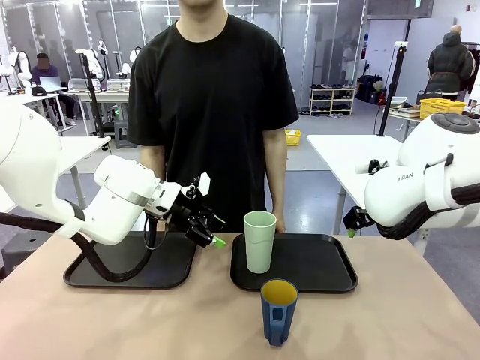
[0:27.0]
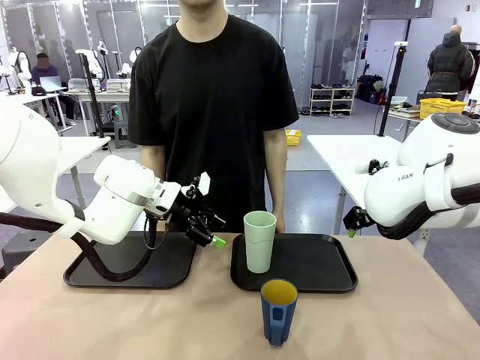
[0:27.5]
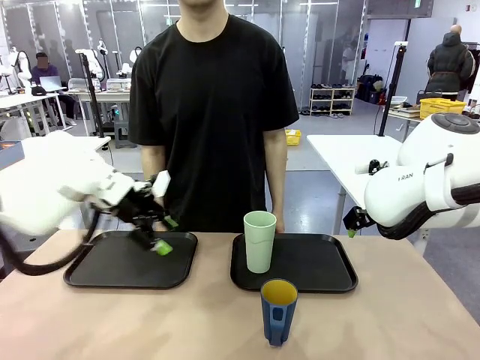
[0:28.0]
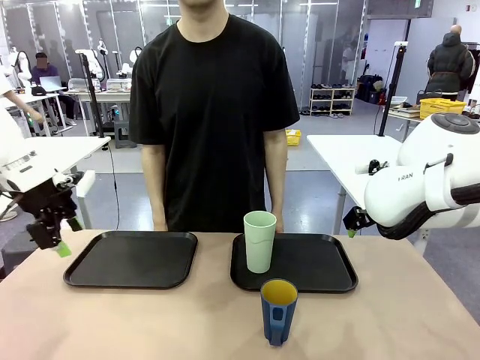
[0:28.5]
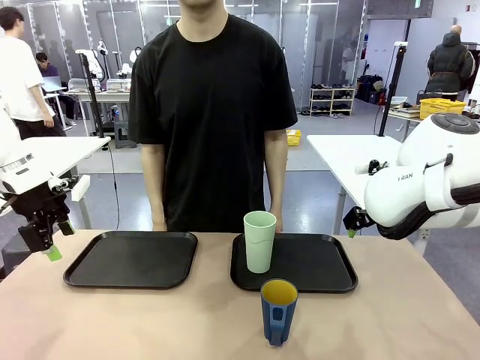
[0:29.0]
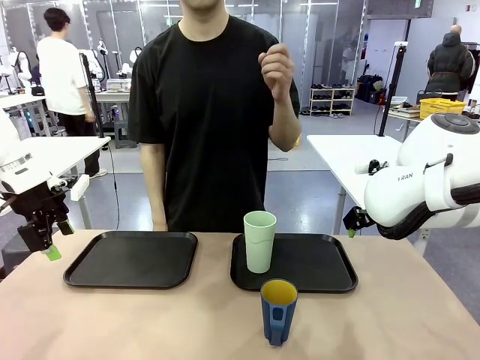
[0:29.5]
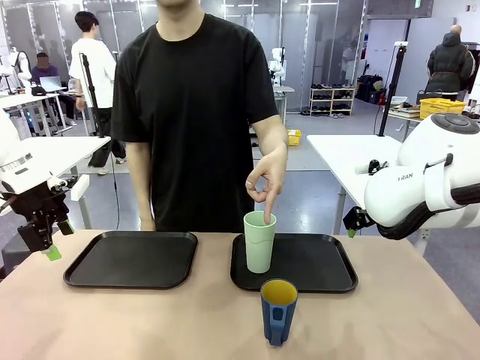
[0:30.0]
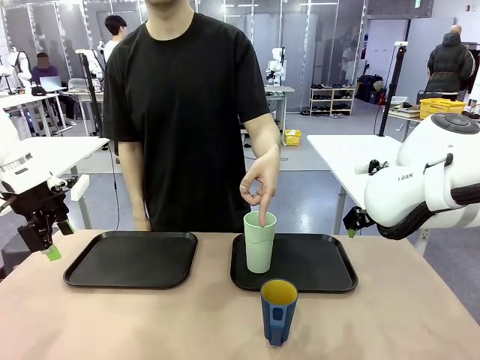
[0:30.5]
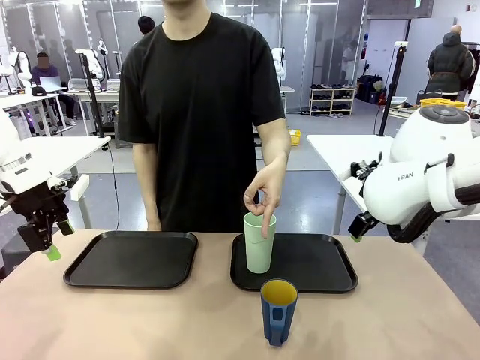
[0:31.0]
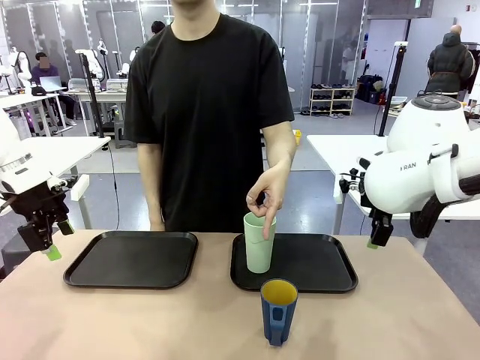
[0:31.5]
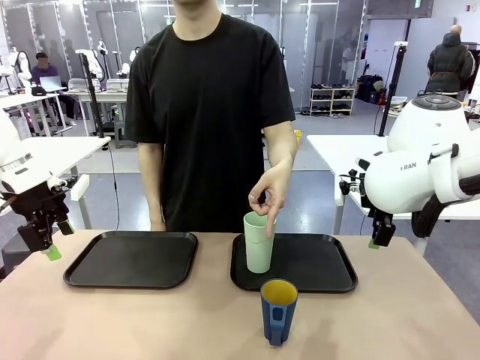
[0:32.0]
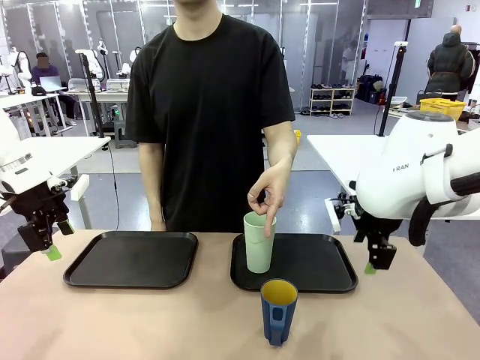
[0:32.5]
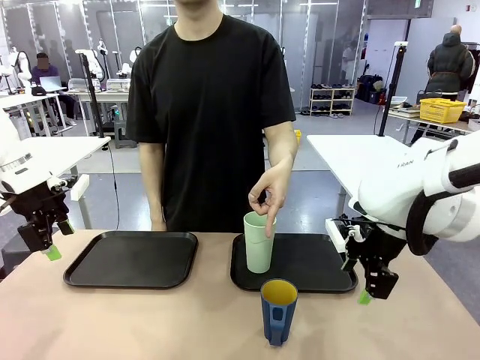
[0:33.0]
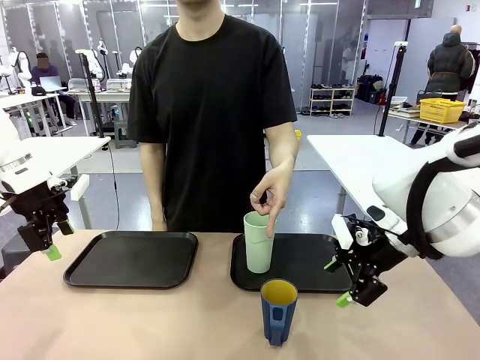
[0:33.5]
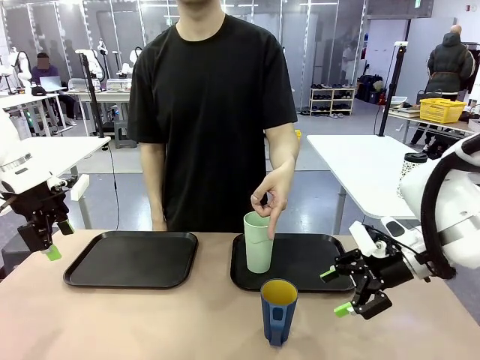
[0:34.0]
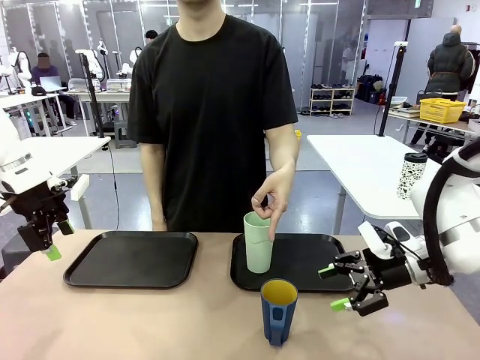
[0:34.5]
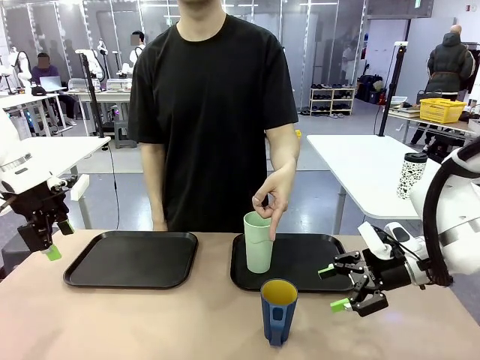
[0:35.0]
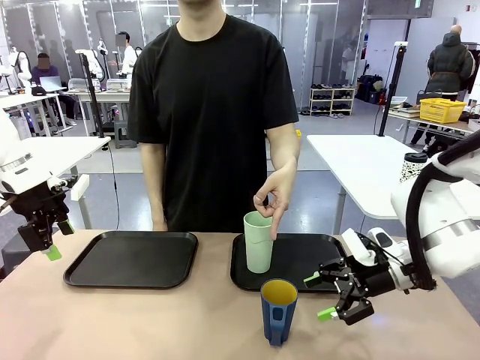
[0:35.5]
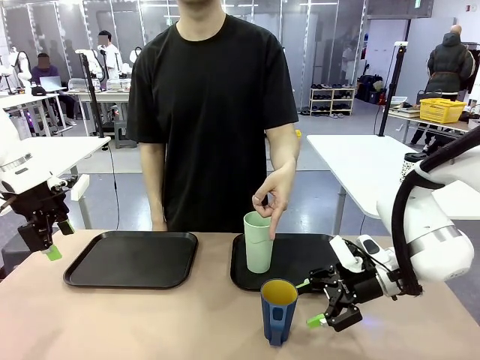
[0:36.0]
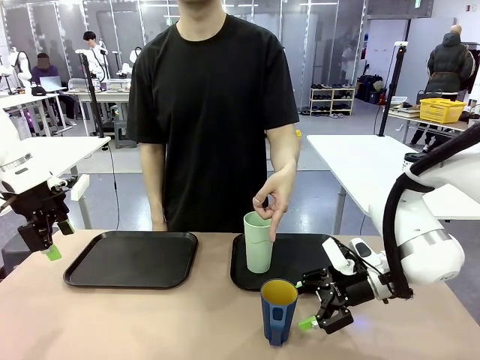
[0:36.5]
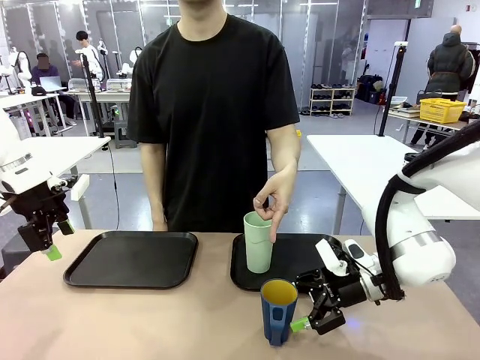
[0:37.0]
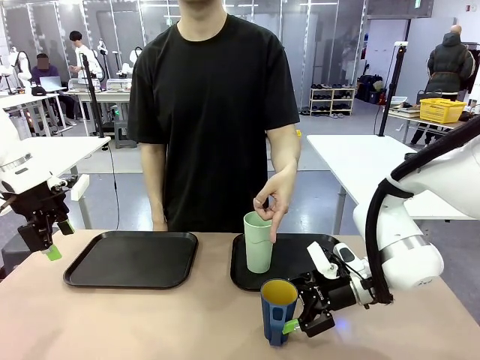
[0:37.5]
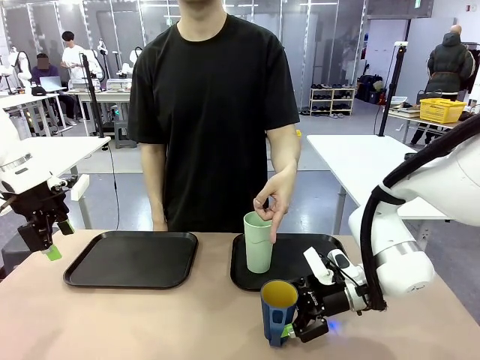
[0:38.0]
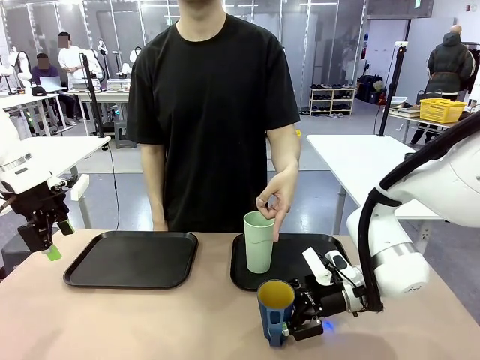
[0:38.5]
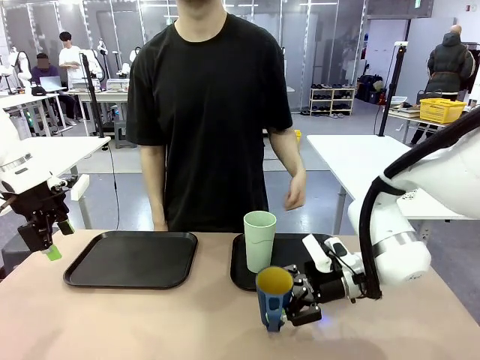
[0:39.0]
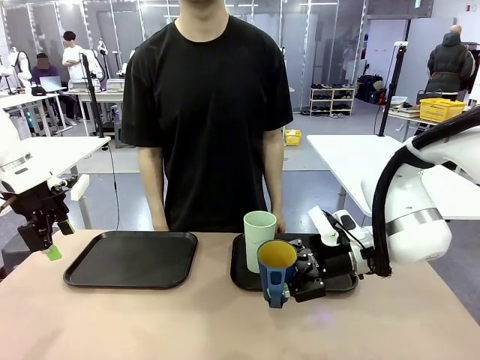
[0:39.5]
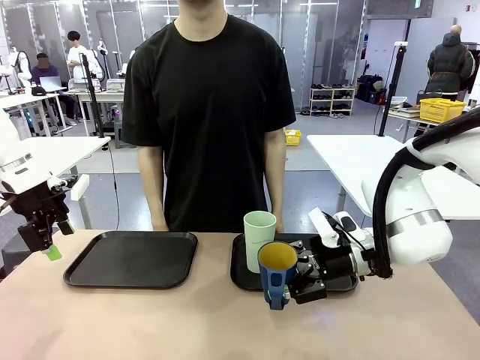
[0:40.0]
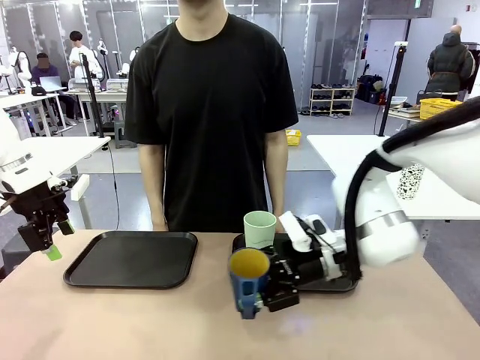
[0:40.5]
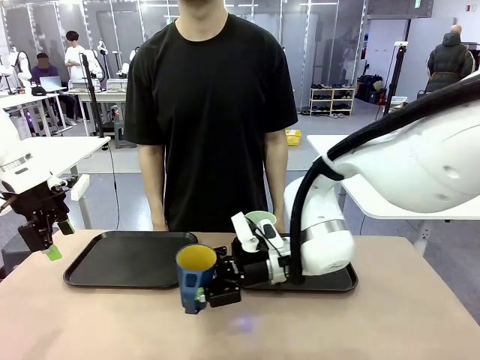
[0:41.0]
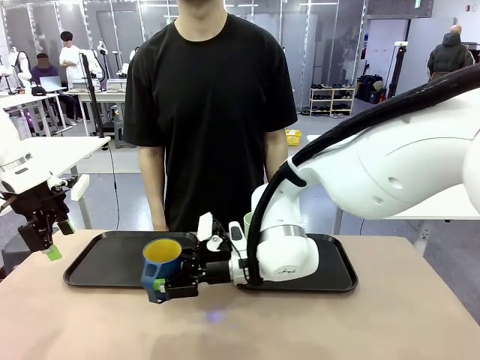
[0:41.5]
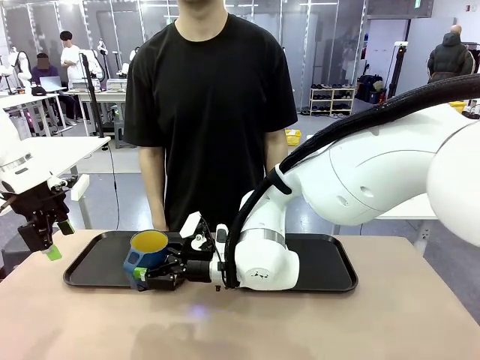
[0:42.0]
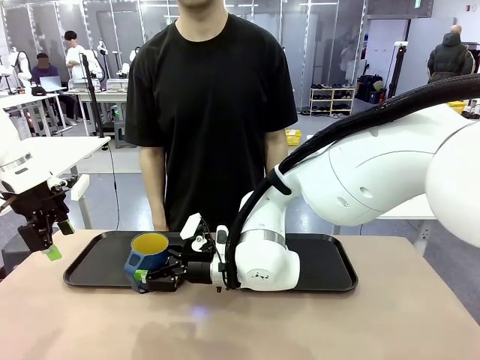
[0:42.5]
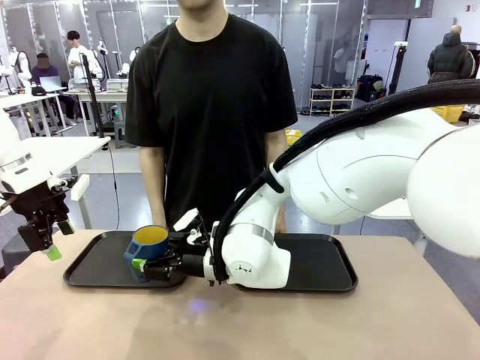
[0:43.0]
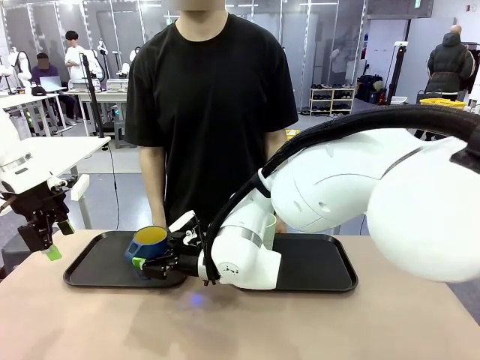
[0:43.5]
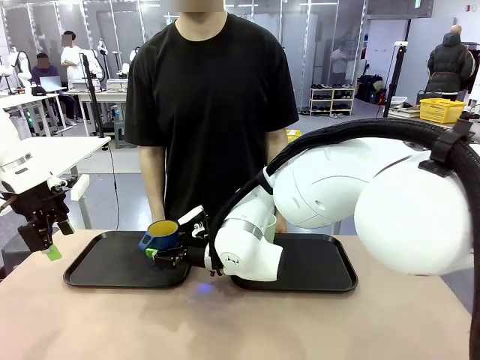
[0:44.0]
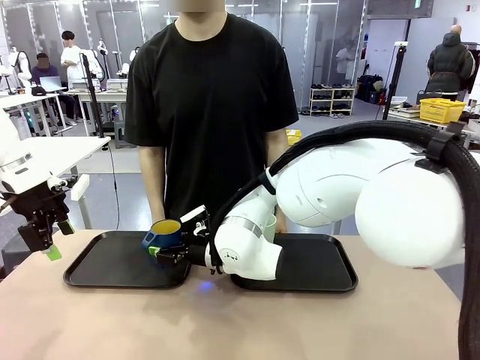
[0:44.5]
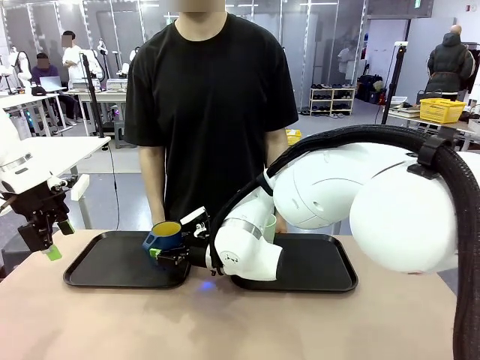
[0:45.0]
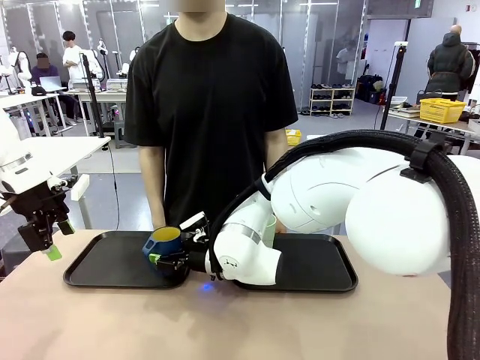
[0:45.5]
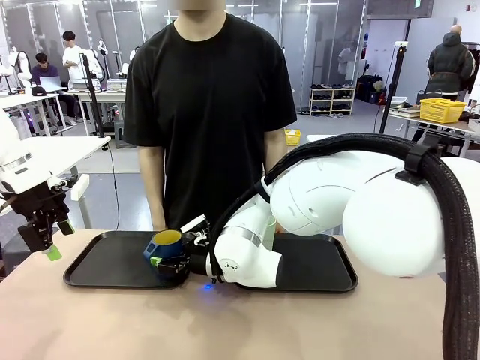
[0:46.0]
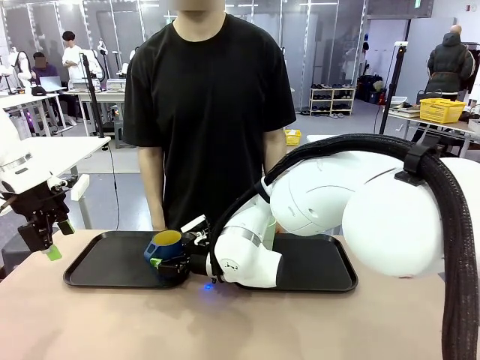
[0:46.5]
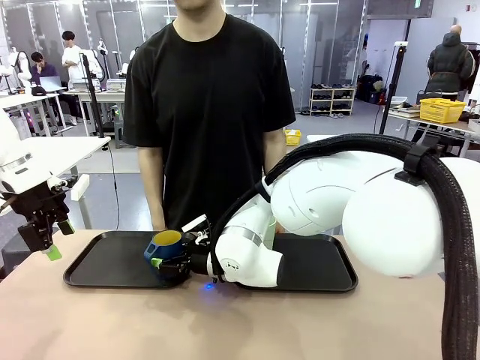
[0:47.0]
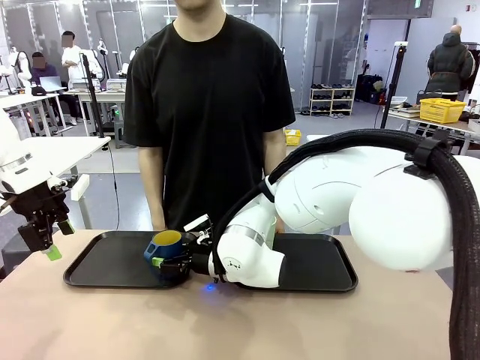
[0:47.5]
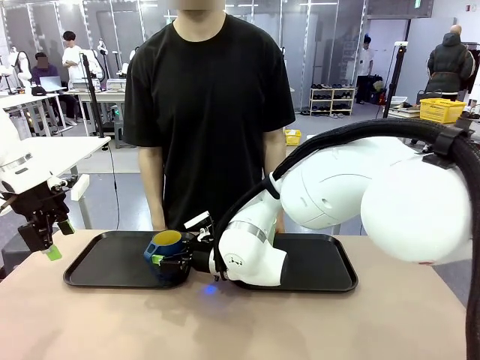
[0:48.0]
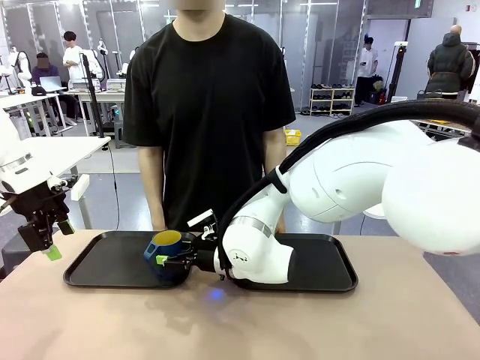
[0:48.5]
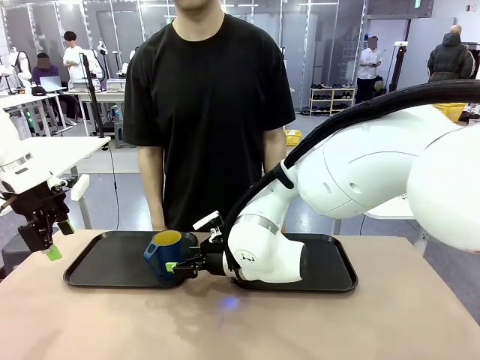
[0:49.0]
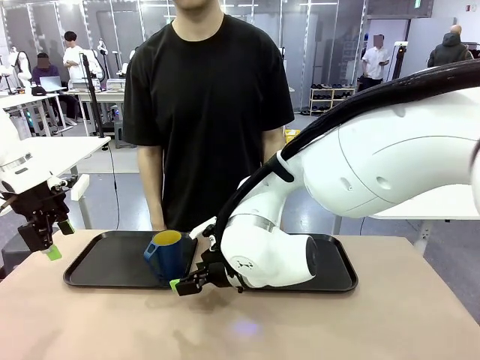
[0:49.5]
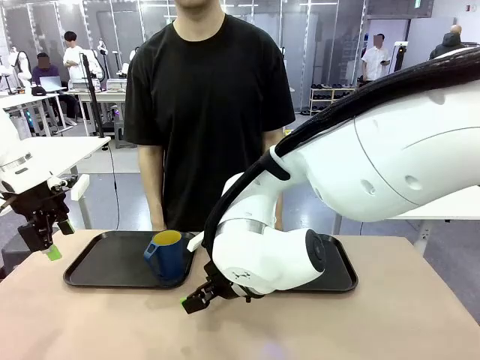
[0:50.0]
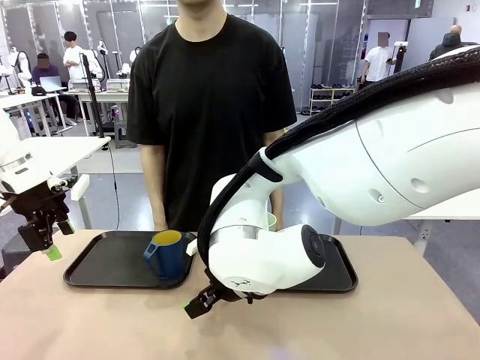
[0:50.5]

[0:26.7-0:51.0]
Task: Sort and store the cups by type.
Robot: Pick up the Handle plastic cup and place it into the empty Flat Tray.
Person: Points to the cup with a handle.
